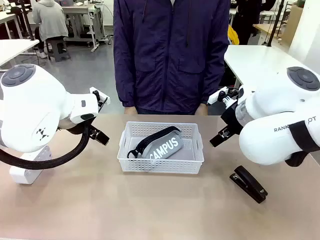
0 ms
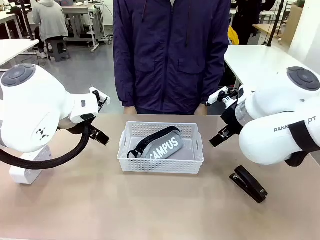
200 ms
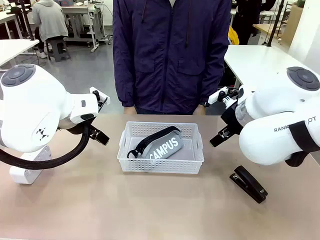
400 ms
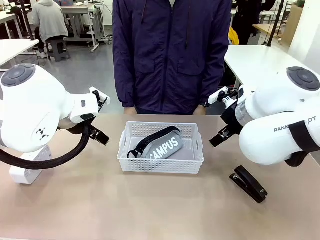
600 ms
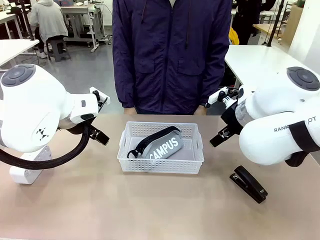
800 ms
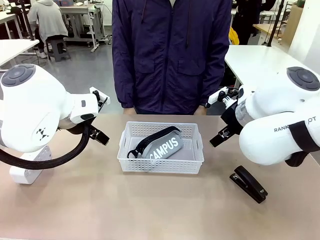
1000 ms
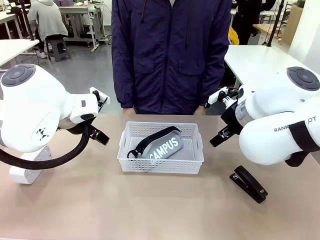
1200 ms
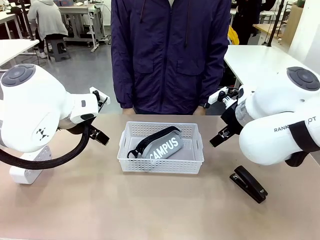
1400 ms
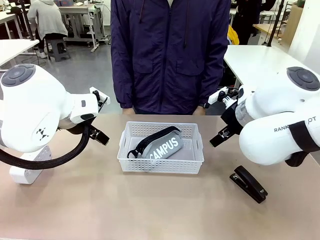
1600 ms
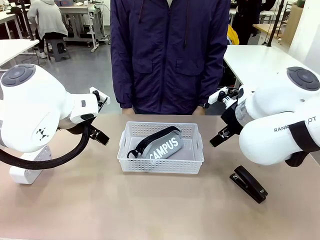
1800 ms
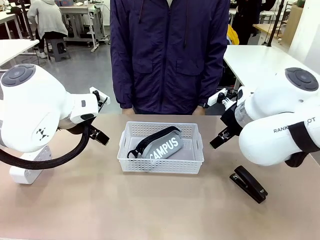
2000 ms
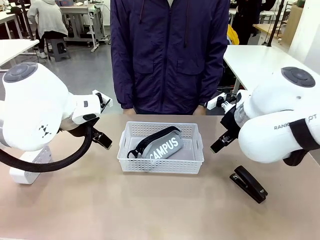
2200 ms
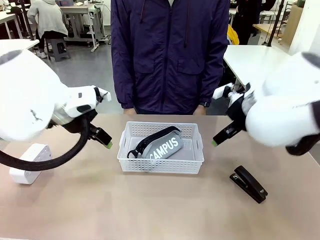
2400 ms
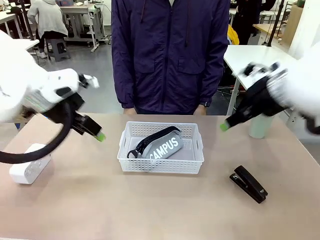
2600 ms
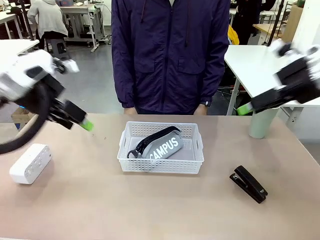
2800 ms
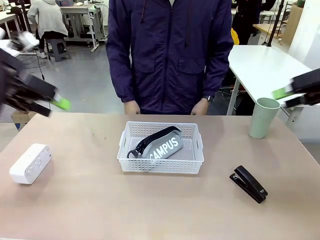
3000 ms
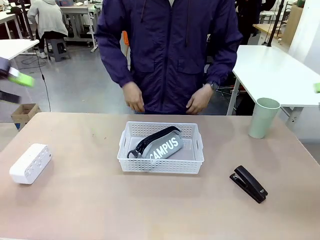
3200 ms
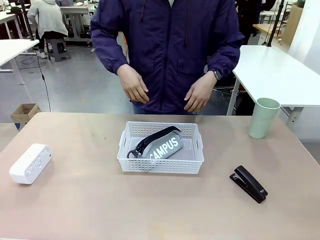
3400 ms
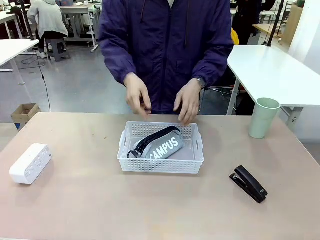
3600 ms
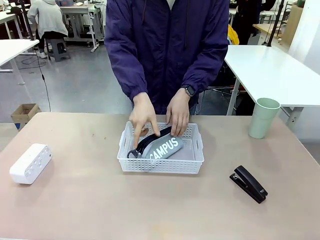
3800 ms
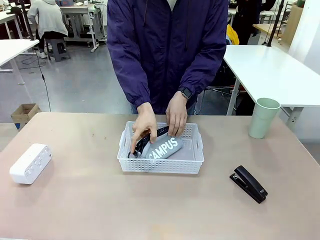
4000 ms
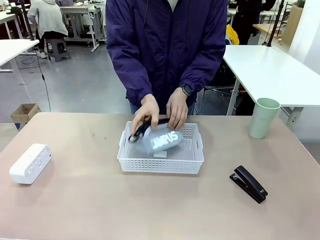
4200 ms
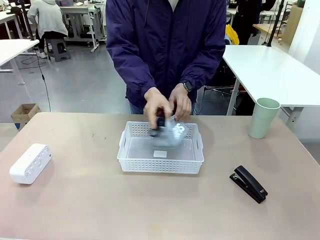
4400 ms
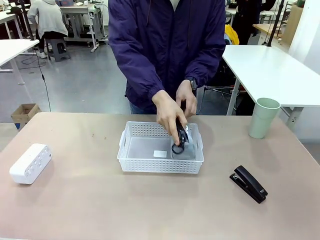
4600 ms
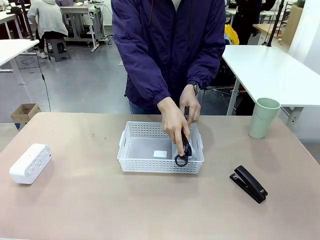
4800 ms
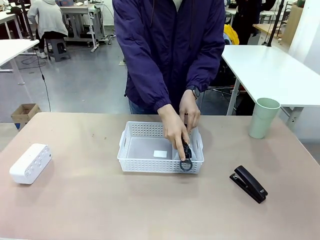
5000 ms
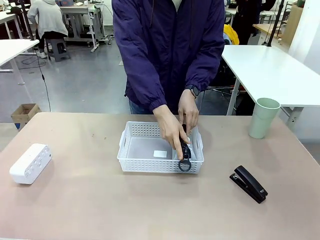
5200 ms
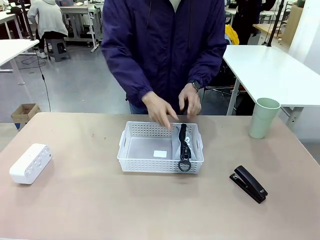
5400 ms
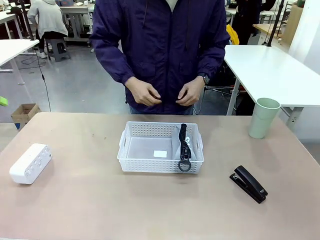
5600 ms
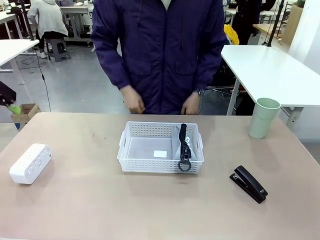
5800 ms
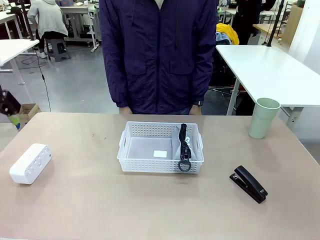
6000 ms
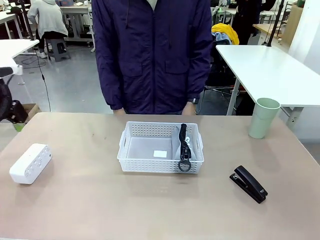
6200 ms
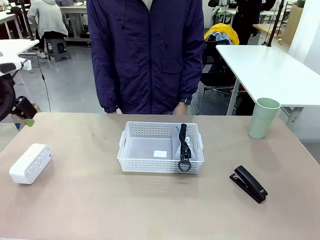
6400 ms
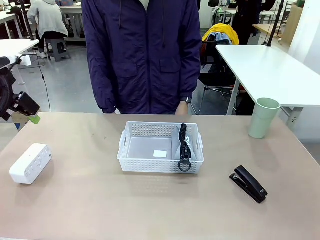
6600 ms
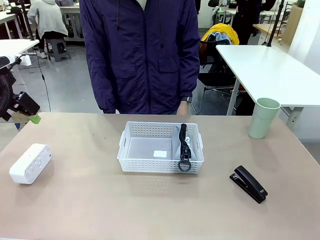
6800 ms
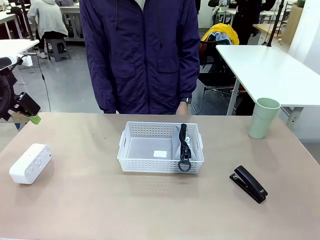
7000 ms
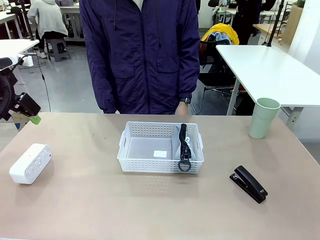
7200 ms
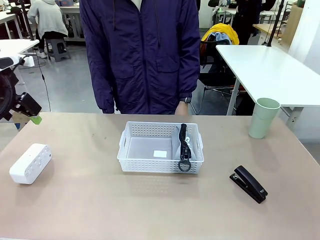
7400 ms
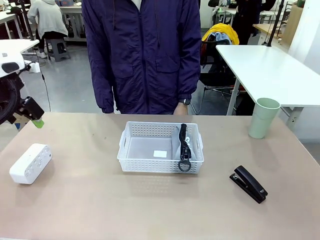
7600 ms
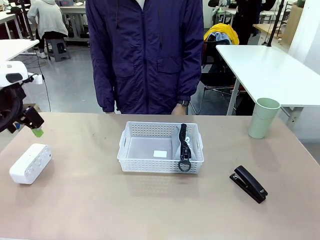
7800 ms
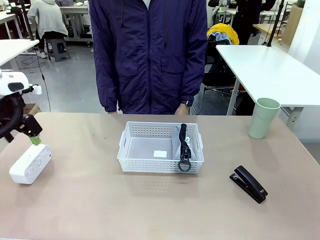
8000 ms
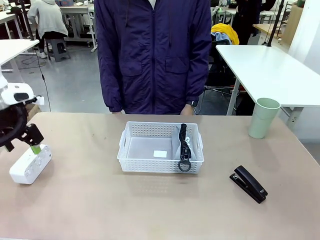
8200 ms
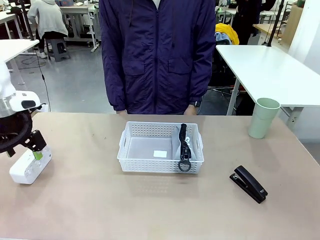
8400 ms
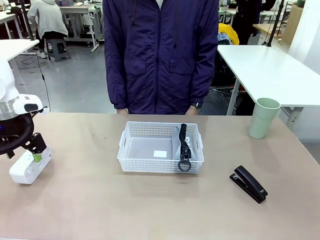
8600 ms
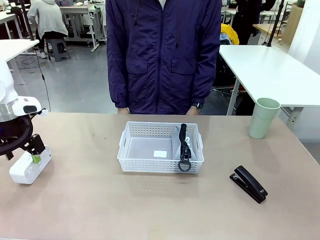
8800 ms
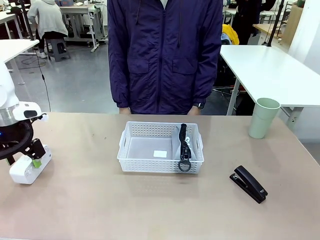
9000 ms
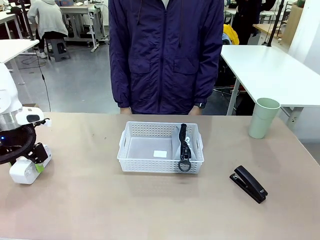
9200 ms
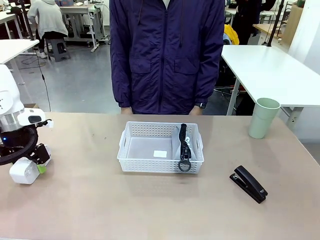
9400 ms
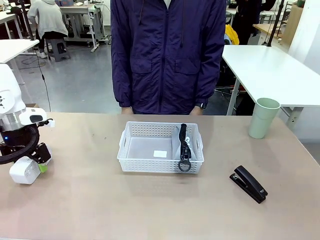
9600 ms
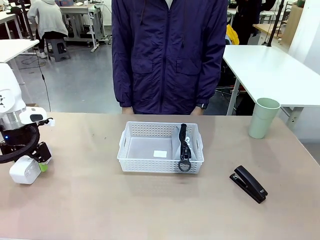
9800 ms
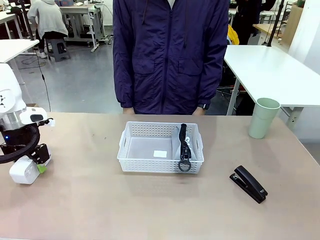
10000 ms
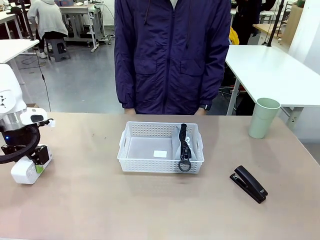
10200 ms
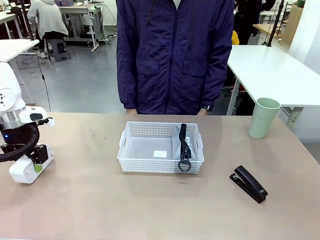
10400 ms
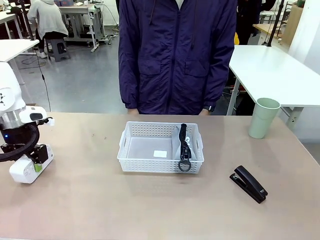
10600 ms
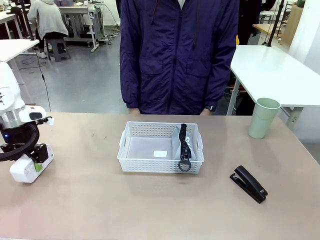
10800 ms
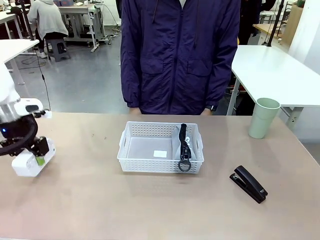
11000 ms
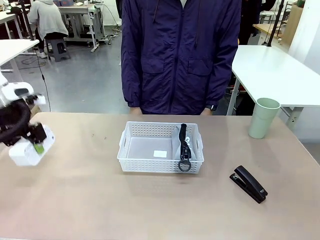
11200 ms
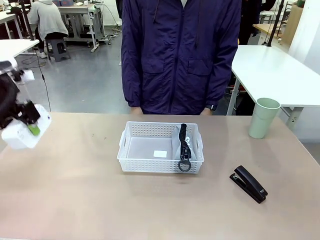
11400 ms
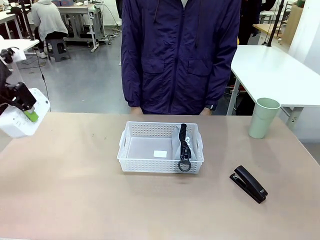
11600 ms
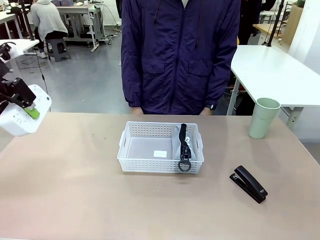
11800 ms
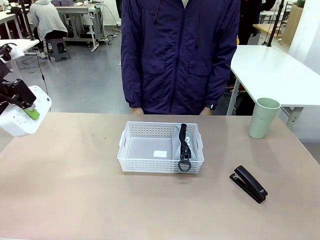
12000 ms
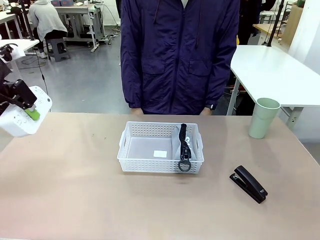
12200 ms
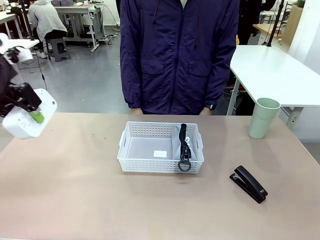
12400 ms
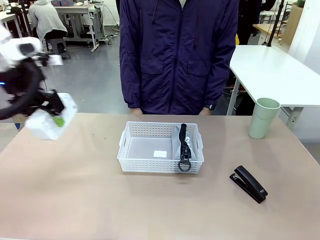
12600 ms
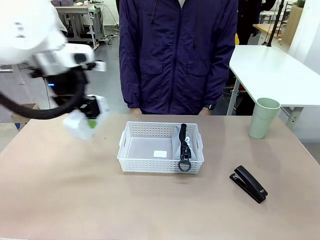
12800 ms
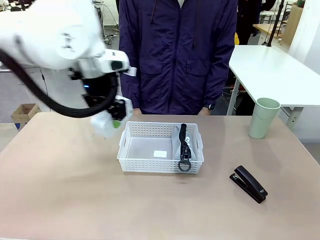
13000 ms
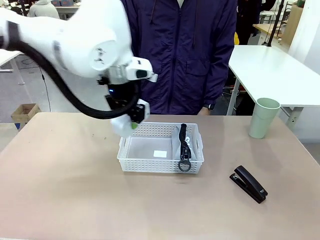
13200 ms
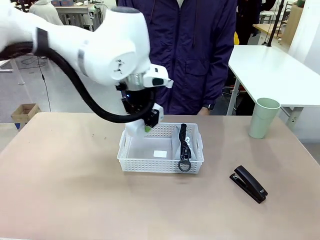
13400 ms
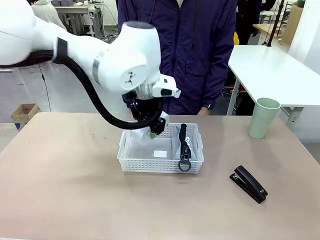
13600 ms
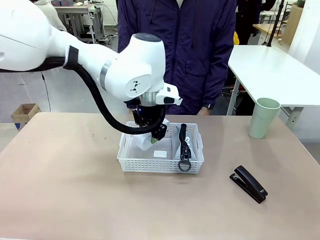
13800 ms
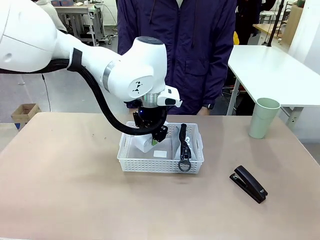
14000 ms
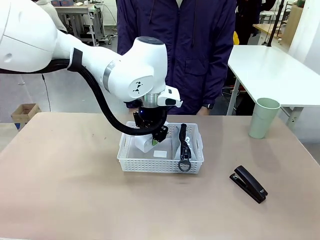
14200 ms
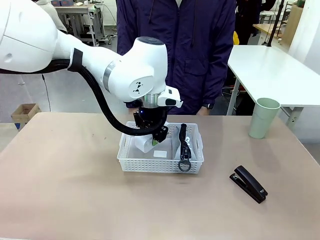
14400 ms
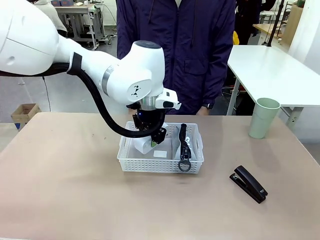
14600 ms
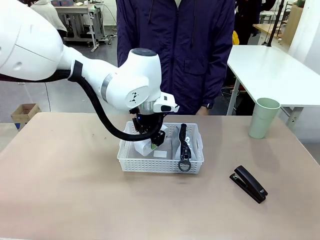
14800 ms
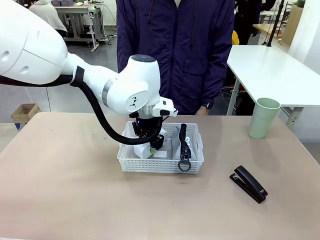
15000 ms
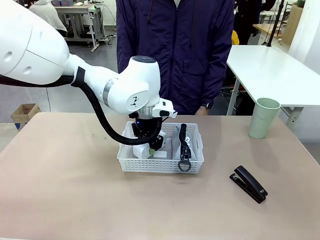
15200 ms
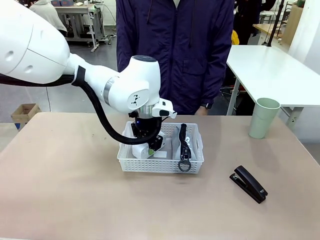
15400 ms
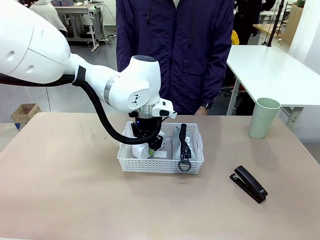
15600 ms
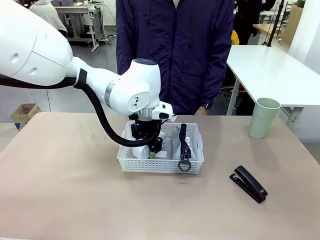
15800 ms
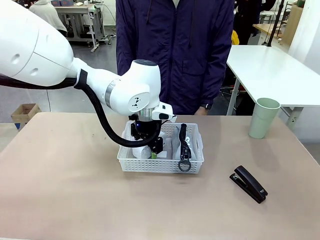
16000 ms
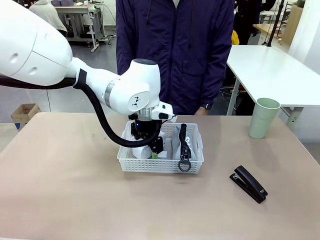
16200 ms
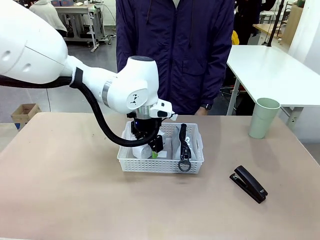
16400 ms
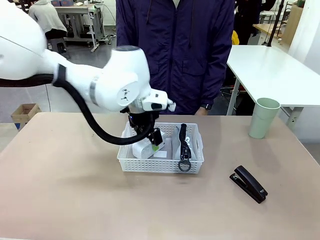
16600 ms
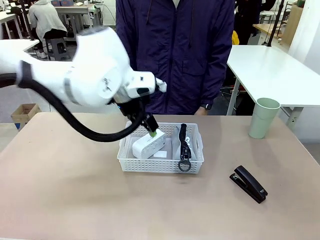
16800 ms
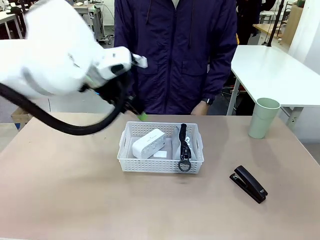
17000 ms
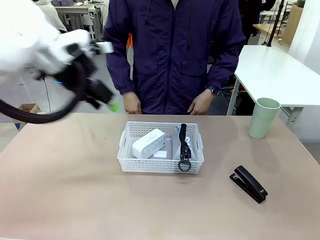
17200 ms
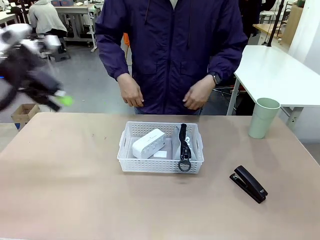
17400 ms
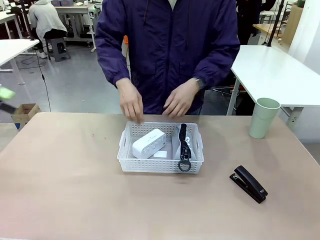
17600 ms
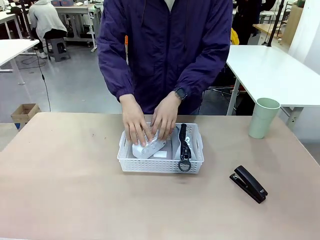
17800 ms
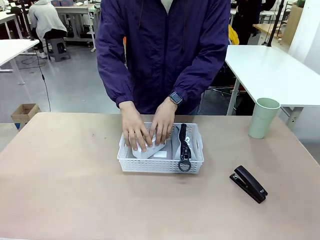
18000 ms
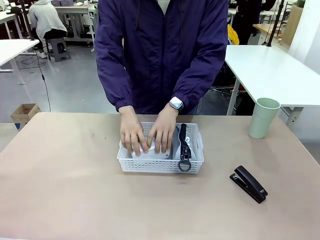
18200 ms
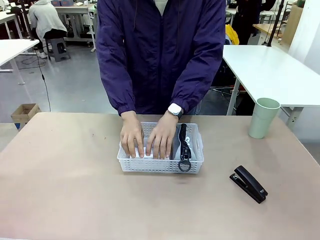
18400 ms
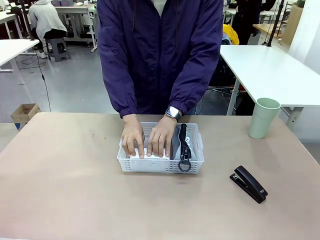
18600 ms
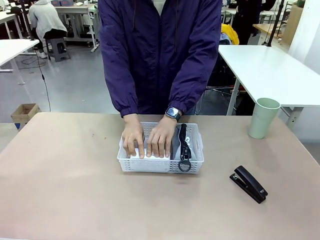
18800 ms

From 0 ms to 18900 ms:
Task: Efficiently arrange items inside the basket to fit them all.
Robot: Pick up the Digital clock and place it inside the Organizing basket.
Person: Repositions the pencil case. Repositions the digital clock.
